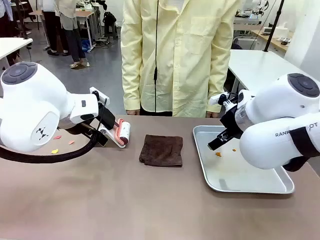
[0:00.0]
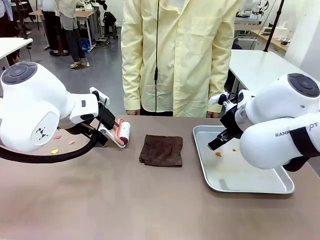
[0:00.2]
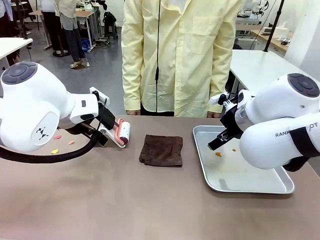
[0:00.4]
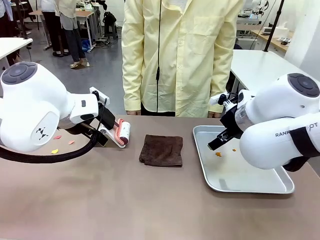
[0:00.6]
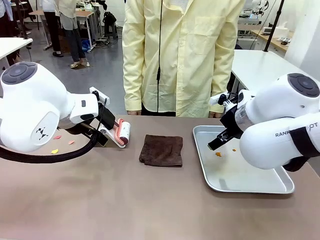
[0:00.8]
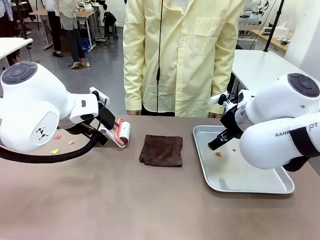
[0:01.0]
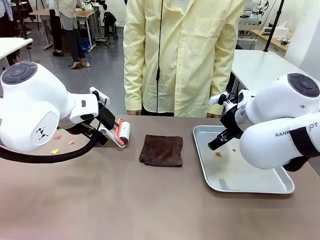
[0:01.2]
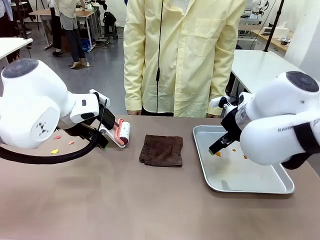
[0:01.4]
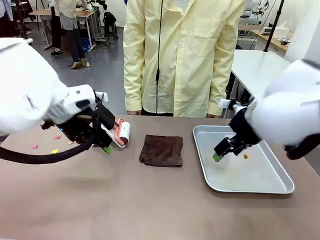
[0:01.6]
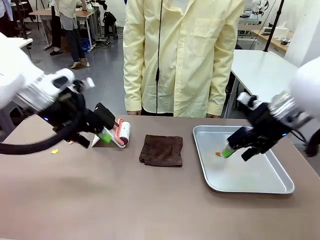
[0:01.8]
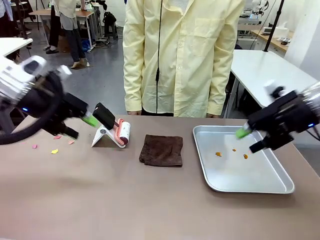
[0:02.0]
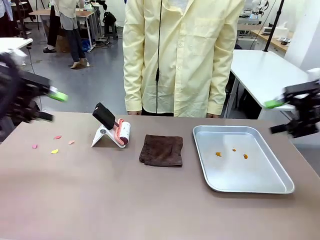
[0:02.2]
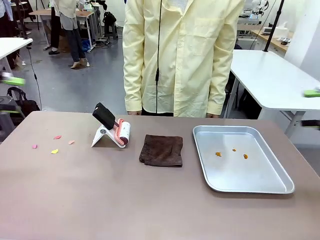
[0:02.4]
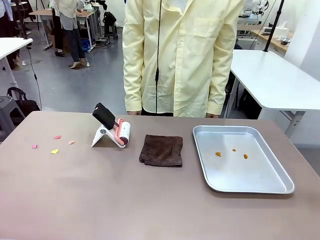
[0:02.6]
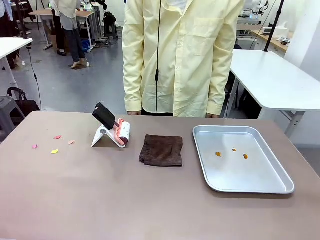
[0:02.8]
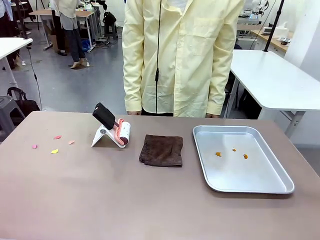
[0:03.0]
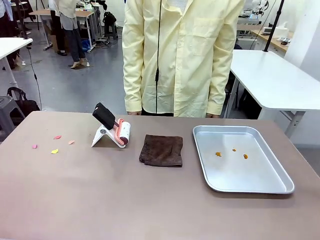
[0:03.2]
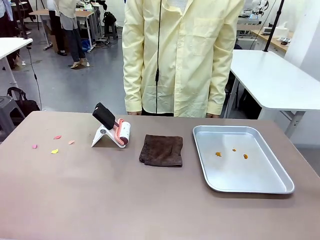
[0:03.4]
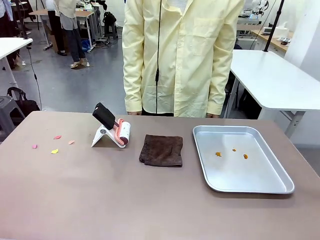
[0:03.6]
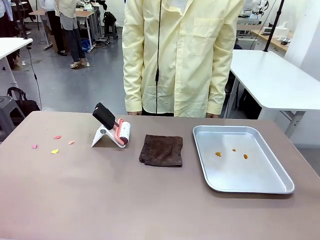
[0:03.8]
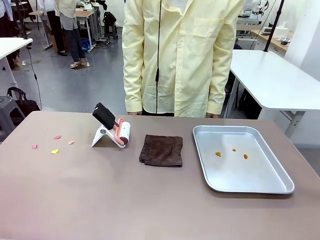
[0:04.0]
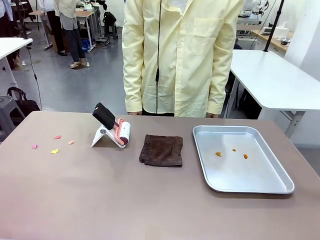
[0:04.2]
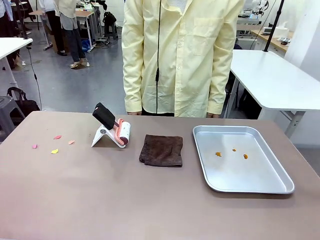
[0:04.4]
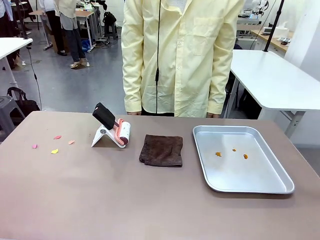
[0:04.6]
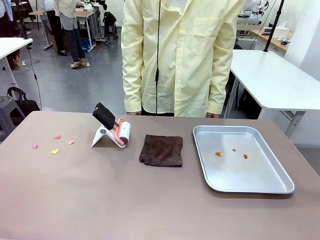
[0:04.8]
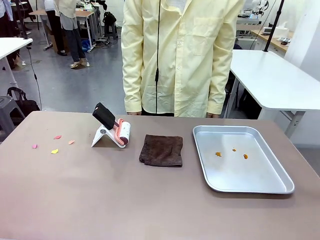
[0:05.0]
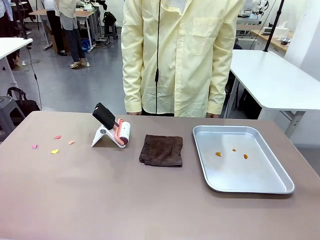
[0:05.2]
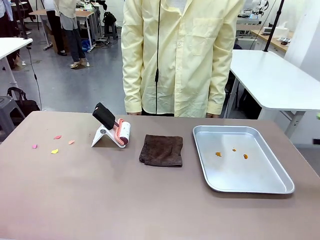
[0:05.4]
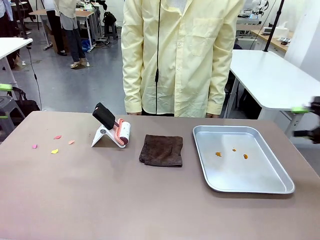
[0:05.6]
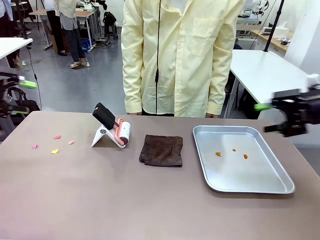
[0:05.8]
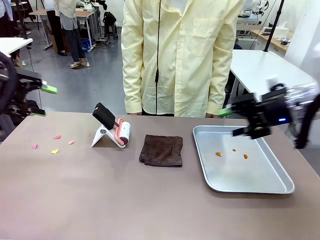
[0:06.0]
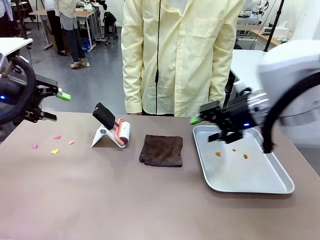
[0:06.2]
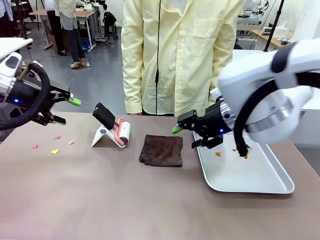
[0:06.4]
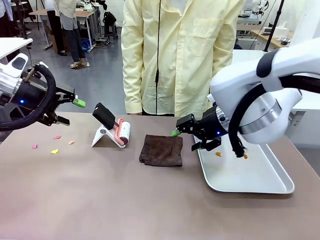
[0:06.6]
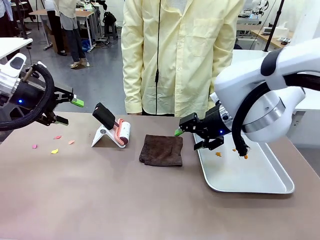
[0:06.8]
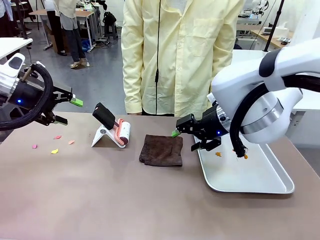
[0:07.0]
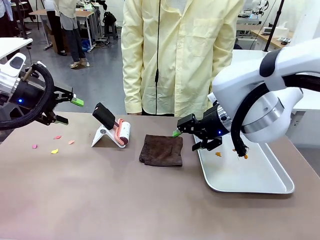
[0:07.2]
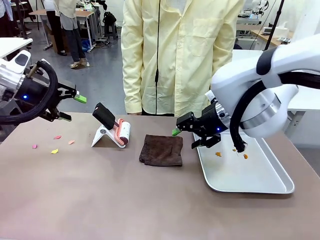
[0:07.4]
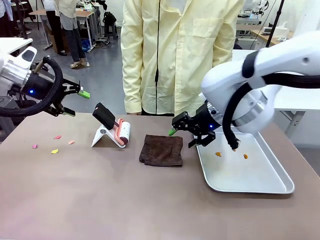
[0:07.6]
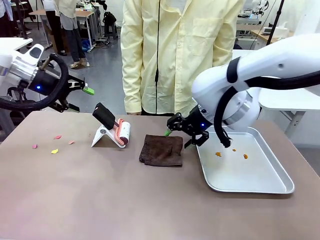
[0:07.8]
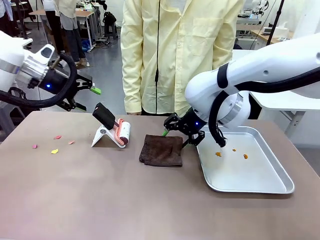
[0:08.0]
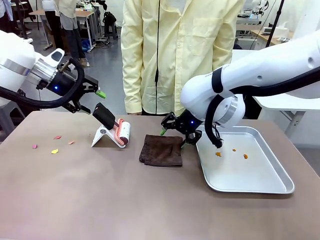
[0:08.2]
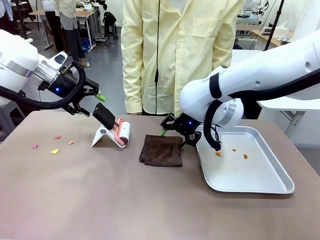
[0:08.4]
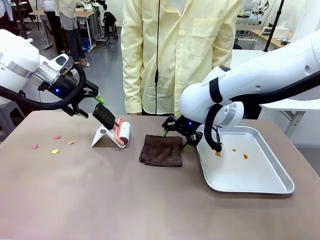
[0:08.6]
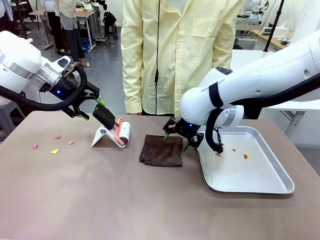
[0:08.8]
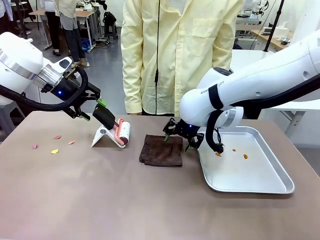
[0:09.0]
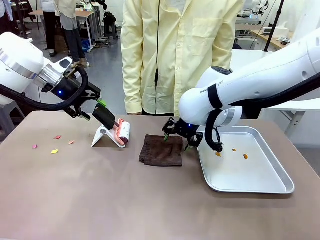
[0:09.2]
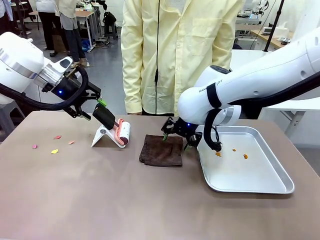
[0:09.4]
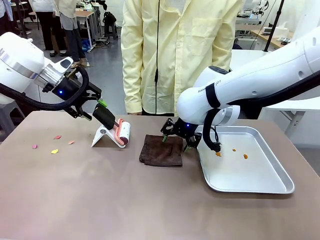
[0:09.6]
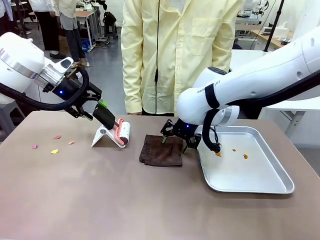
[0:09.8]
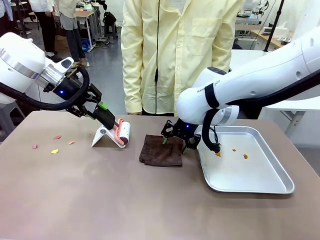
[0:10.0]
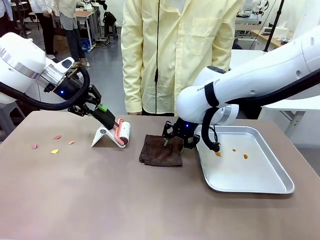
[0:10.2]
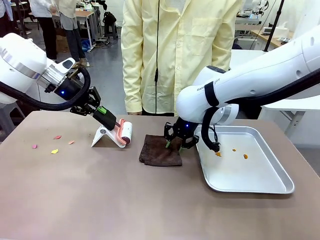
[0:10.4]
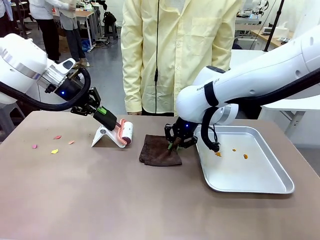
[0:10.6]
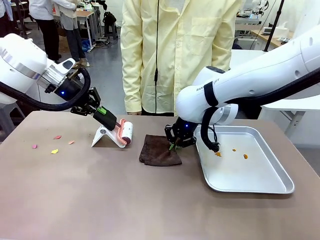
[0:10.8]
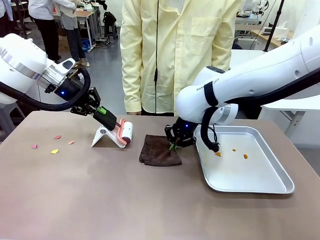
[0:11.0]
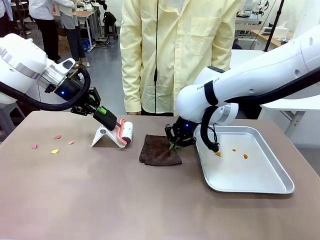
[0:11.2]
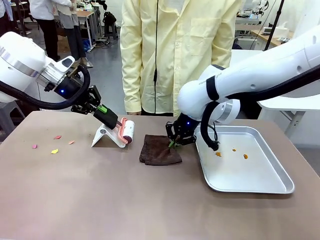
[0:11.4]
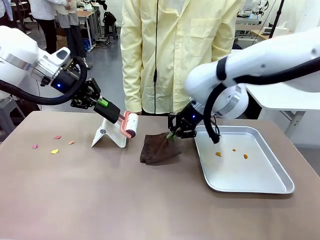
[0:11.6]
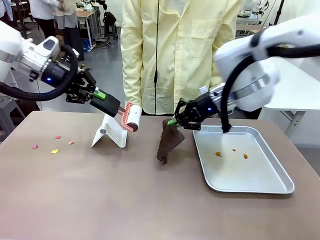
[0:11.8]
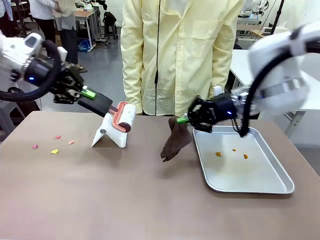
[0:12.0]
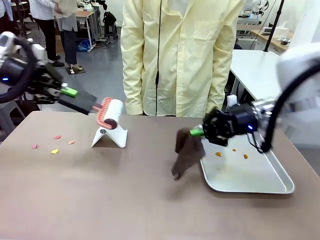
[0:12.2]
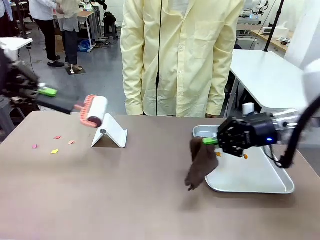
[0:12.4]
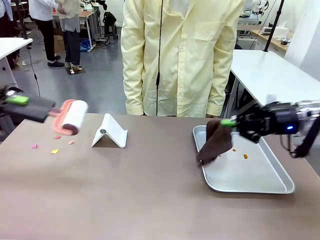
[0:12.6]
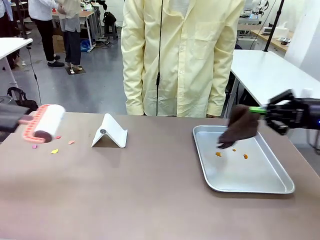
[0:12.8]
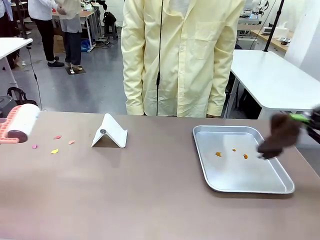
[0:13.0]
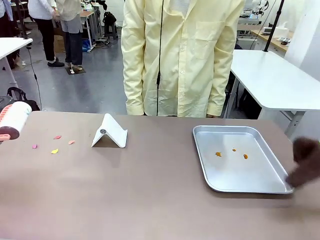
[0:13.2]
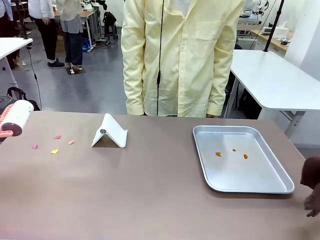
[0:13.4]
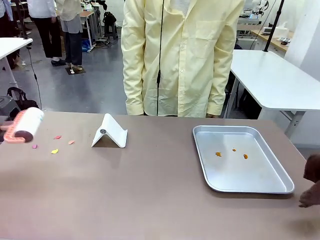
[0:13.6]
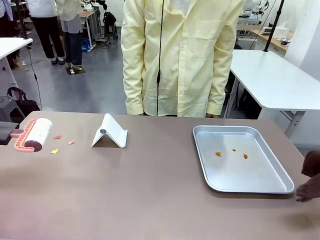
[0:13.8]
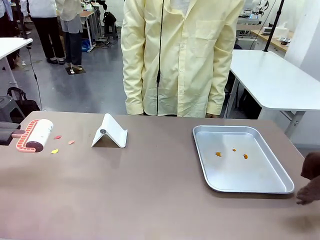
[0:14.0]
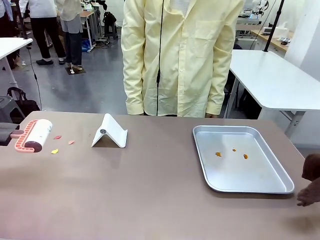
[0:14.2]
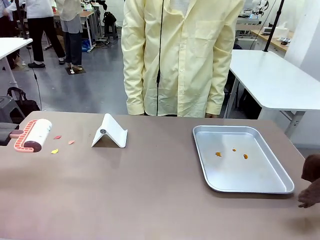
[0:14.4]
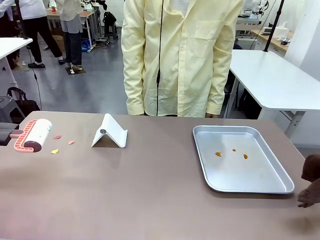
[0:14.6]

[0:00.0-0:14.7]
Task: Clean the surface of the table.
Robot: Hold the Lint Roller with your left hand and the towel with your right hand.

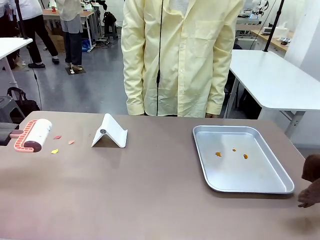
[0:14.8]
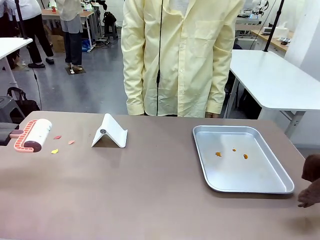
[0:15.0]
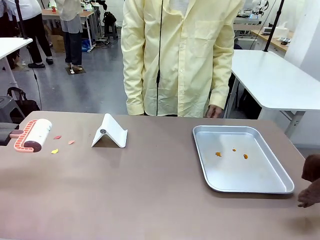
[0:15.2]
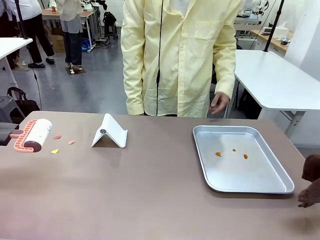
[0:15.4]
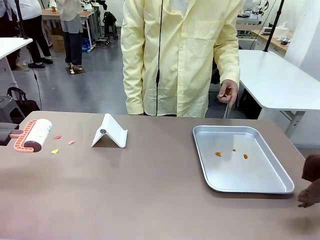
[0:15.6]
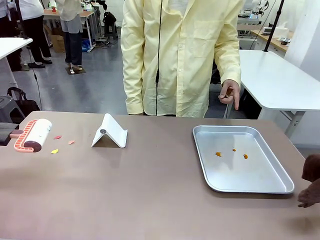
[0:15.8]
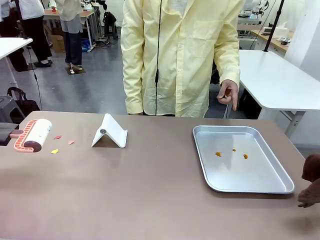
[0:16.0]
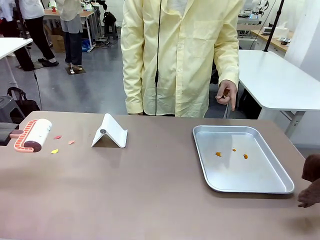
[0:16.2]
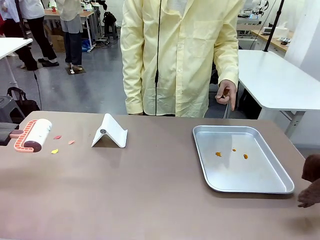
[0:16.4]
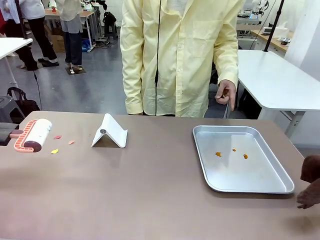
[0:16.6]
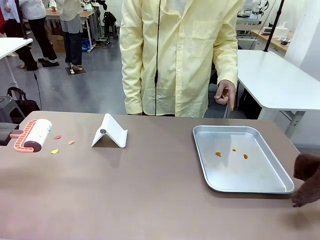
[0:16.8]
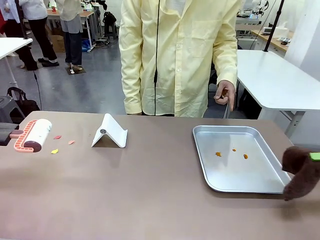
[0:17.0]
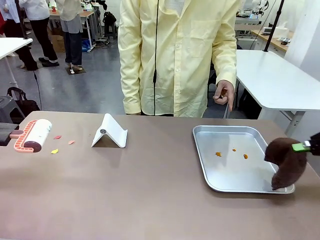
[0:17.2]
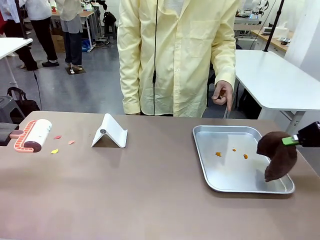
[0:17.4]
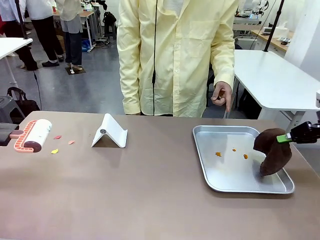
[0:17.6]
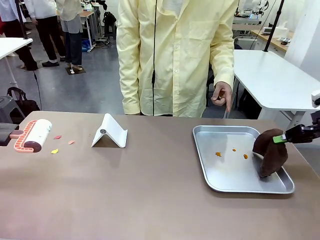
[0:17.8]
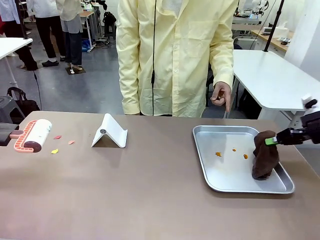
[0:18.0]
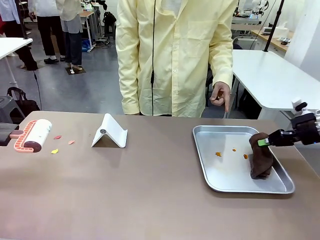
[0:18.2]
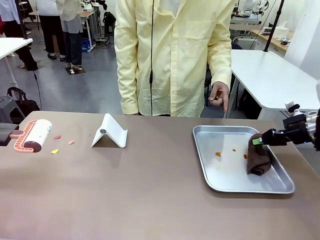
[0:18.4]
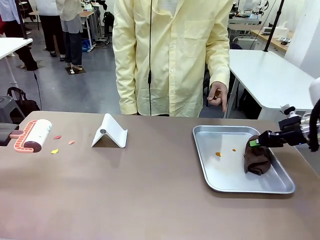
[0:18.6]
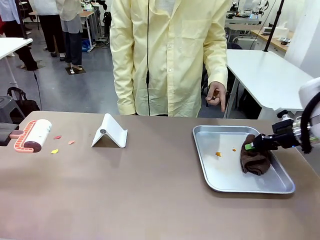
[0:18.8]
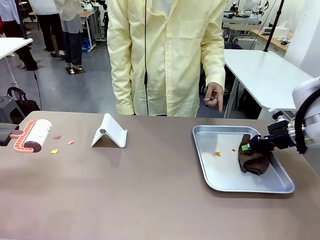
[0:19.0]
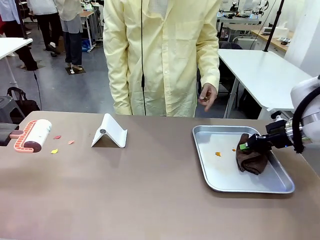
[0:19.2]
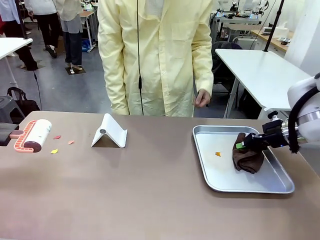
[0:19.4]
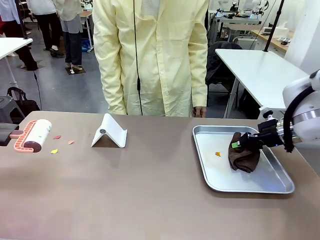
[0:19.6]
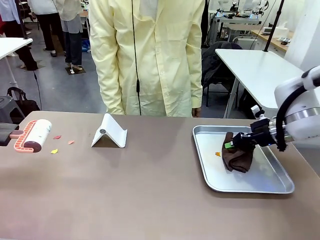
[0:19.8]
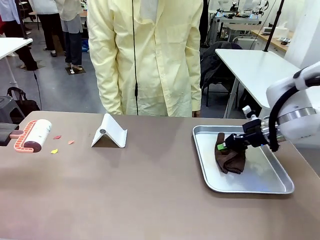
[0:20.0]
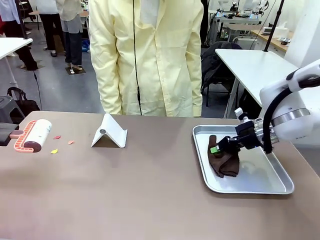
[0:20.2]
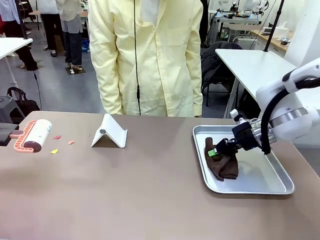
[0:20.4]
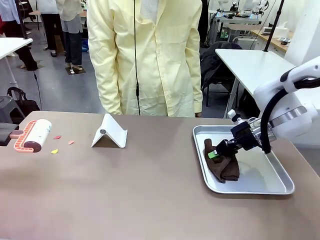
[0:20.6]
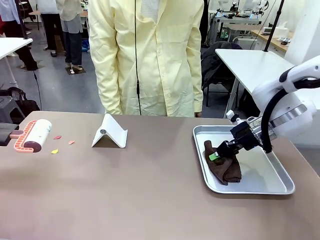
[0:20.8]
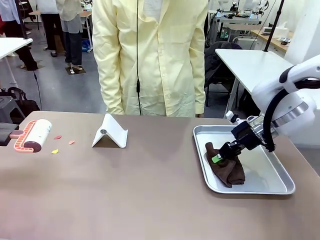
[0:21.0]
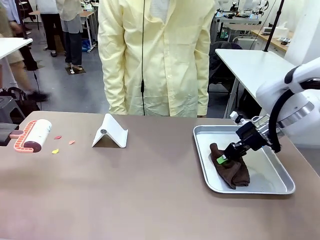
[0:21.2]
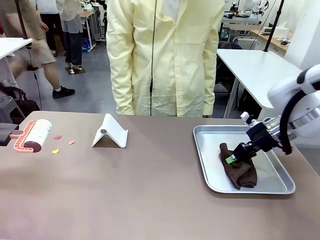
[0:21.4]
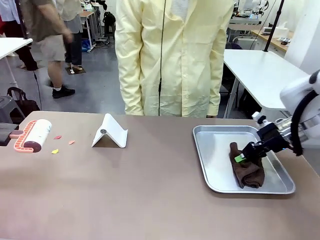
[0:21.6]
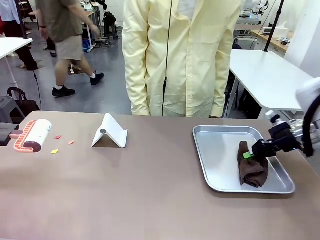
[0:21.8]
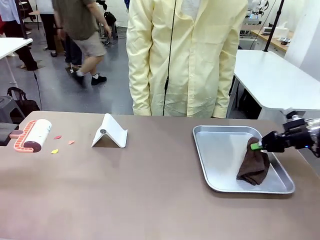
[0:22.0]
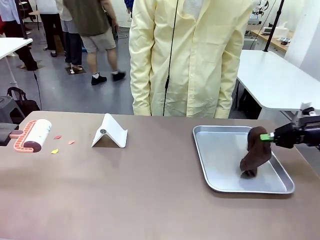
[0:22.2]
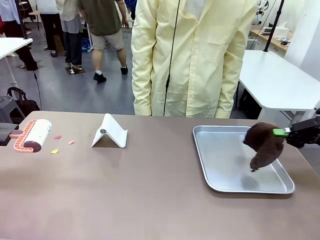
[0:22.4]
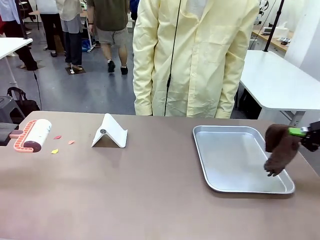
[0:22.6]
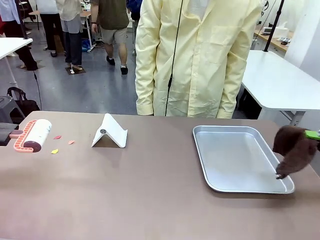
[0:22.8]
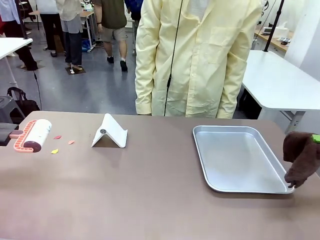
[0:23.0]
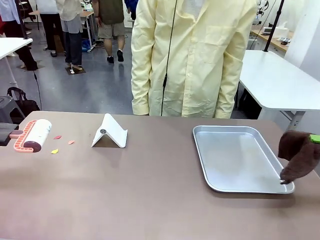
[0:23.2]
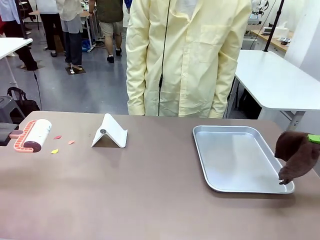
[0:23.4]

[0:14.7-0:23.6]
Robot: If a person points to the right, clean the right side of the table with your right hand, and if they point to the left, clean the left side with your left hand.
